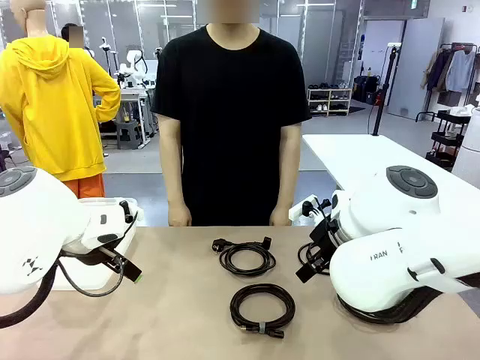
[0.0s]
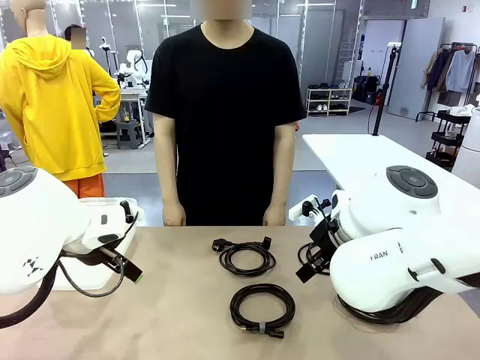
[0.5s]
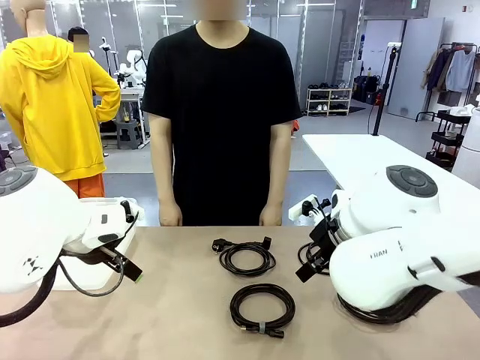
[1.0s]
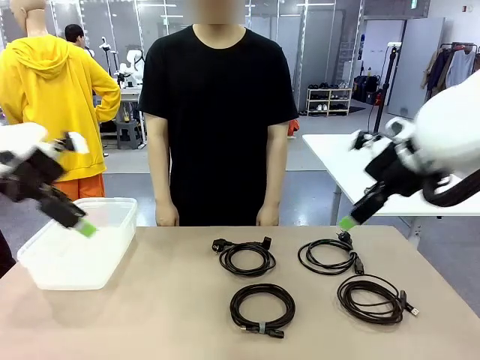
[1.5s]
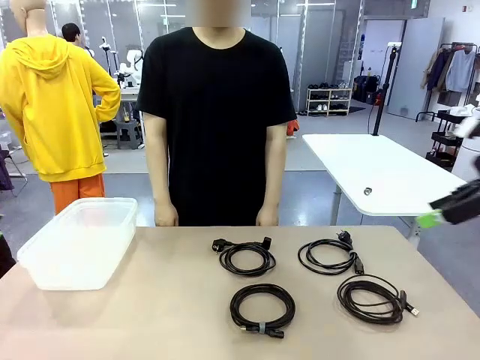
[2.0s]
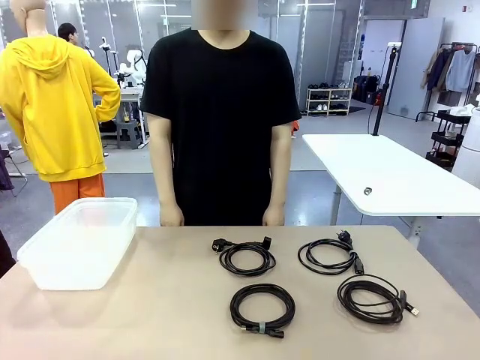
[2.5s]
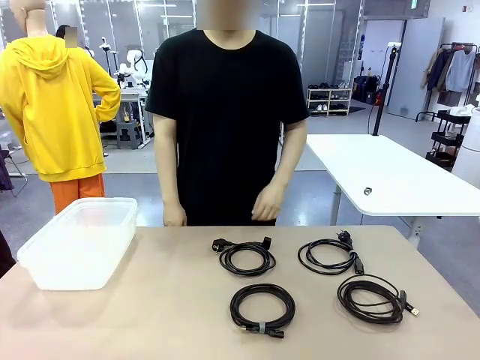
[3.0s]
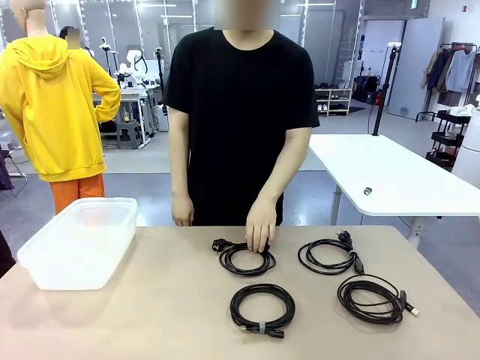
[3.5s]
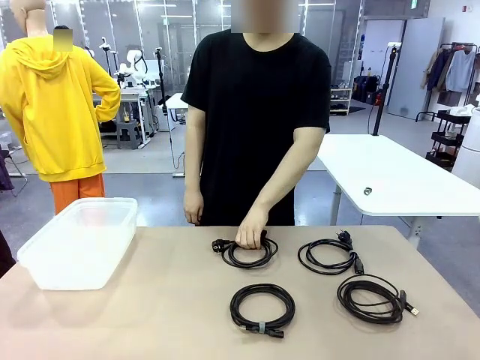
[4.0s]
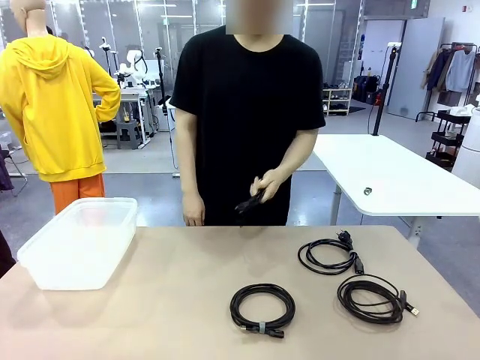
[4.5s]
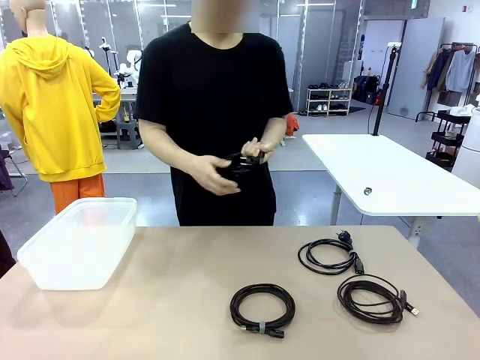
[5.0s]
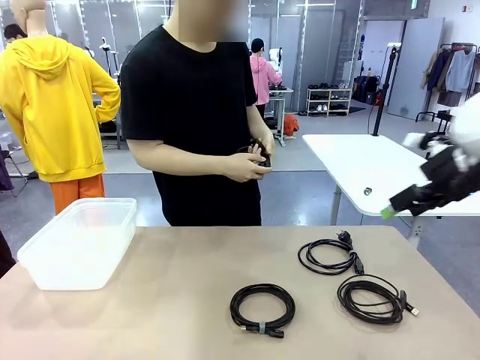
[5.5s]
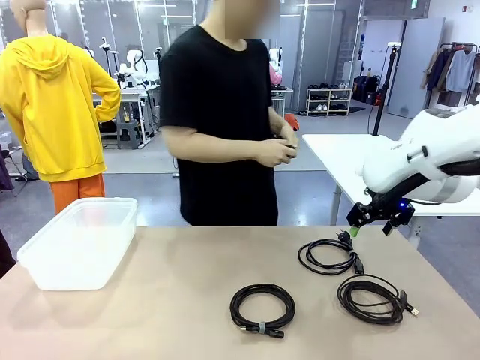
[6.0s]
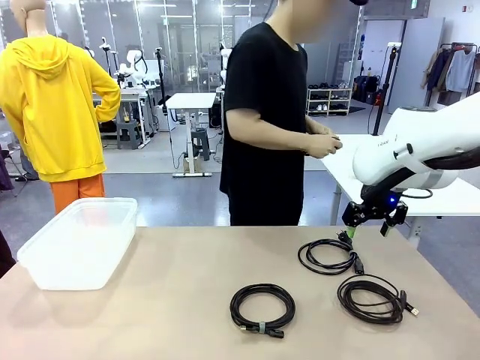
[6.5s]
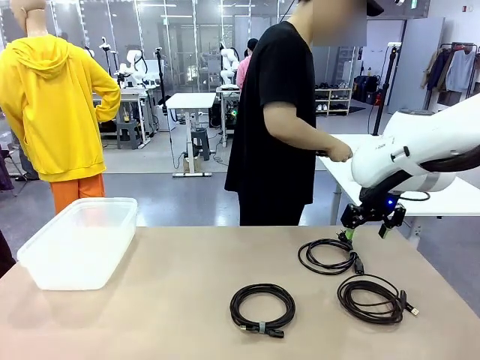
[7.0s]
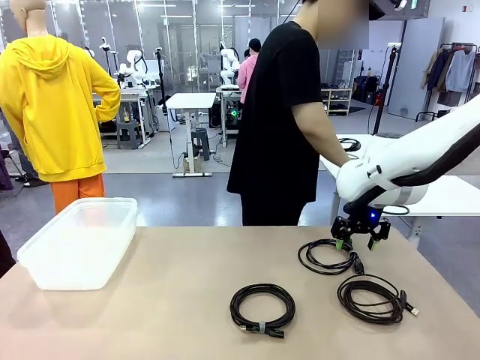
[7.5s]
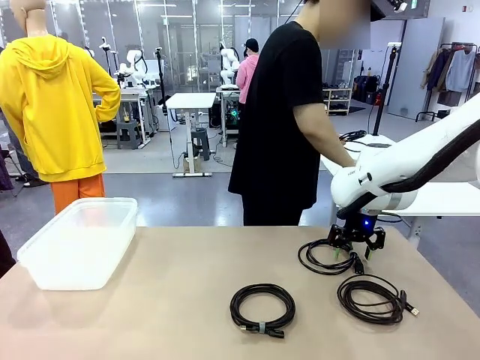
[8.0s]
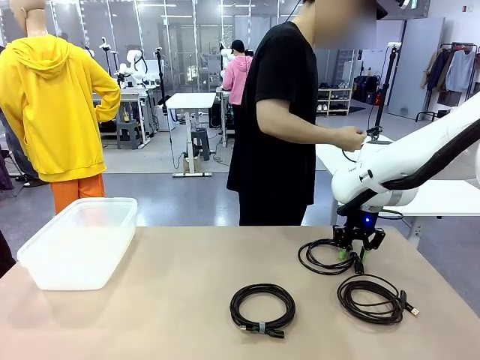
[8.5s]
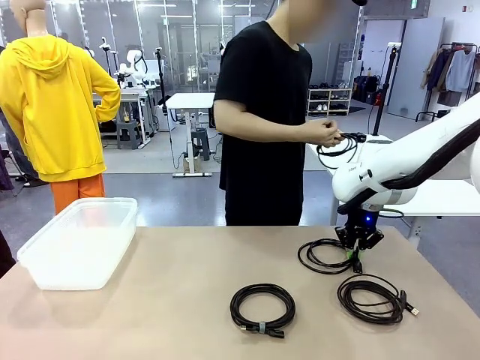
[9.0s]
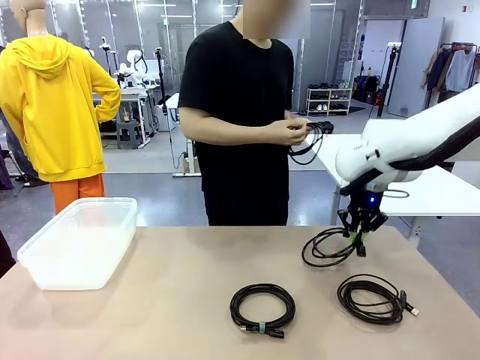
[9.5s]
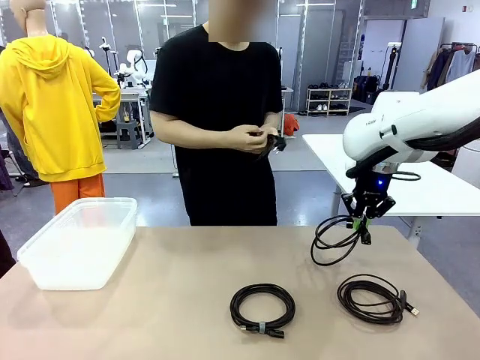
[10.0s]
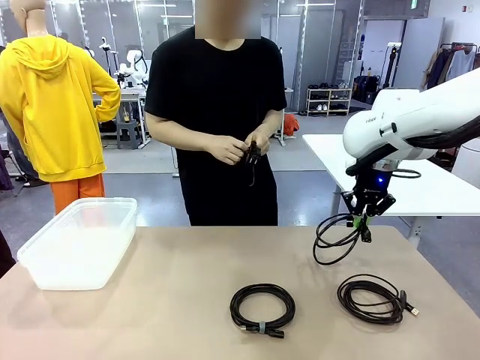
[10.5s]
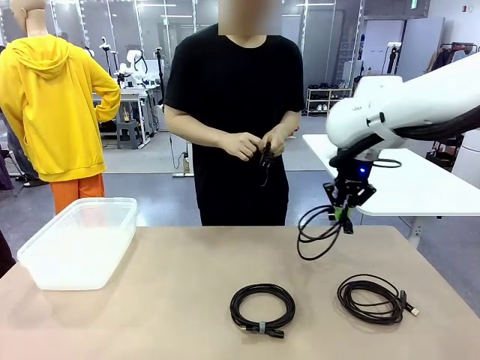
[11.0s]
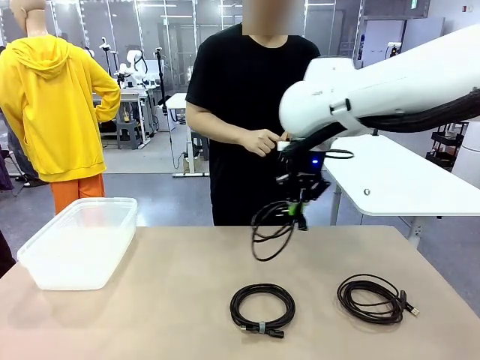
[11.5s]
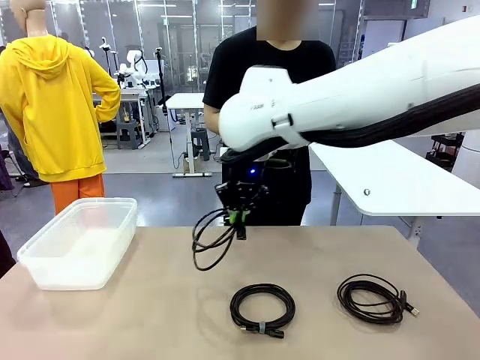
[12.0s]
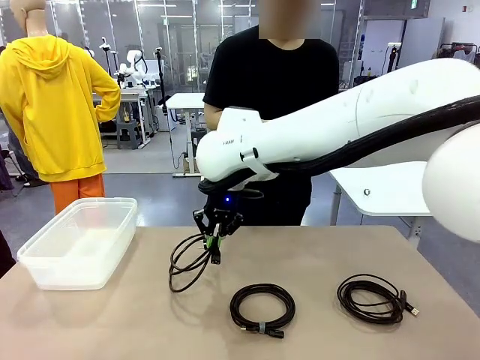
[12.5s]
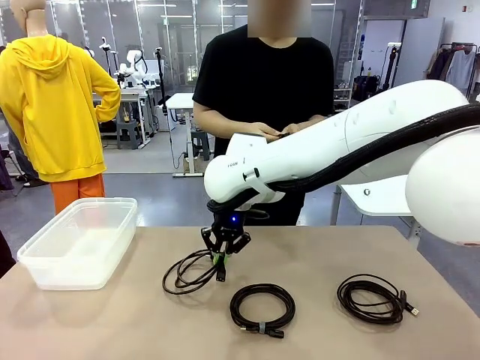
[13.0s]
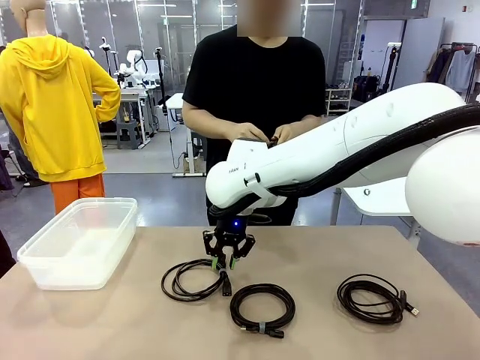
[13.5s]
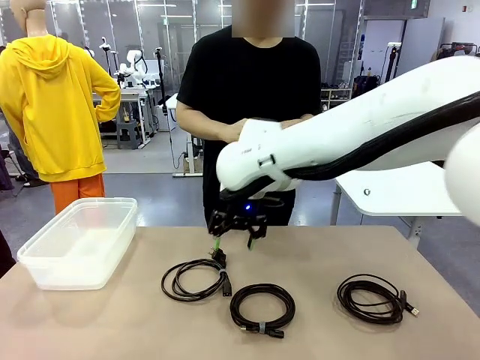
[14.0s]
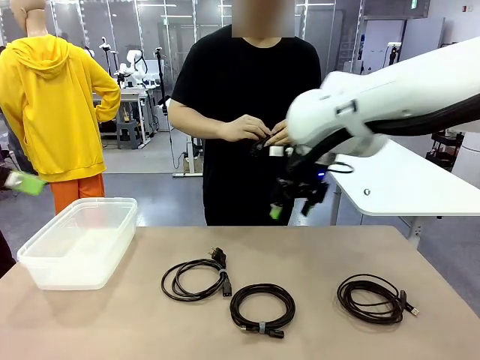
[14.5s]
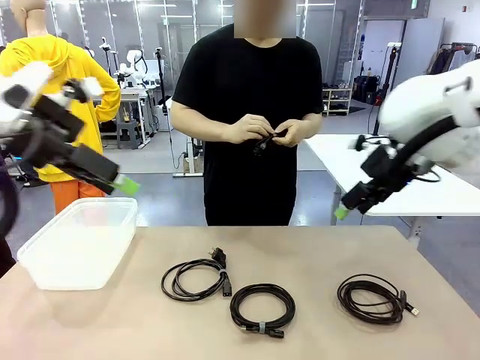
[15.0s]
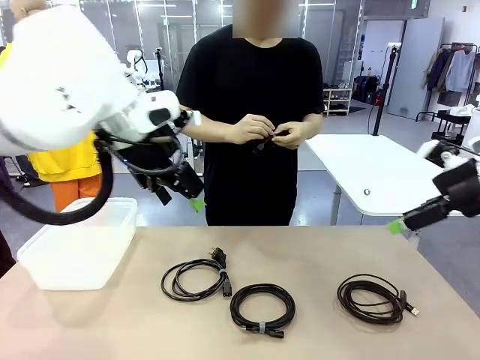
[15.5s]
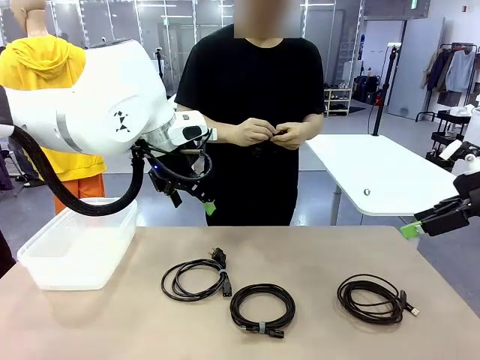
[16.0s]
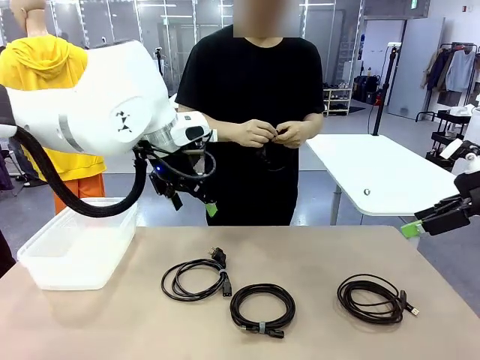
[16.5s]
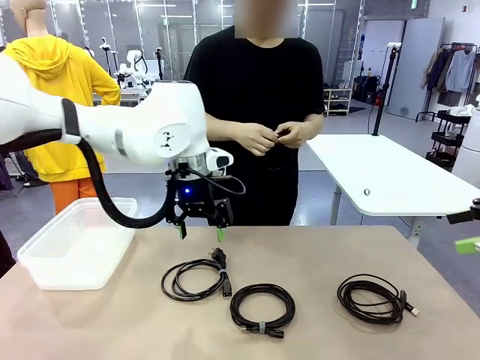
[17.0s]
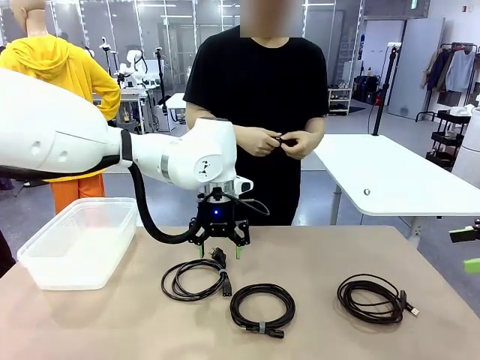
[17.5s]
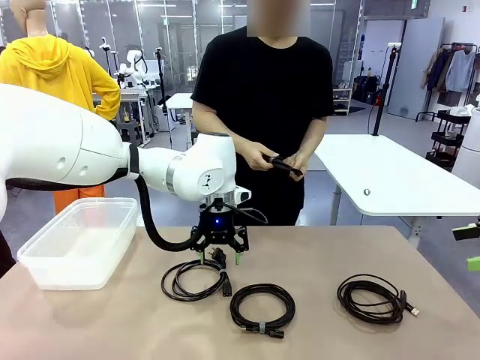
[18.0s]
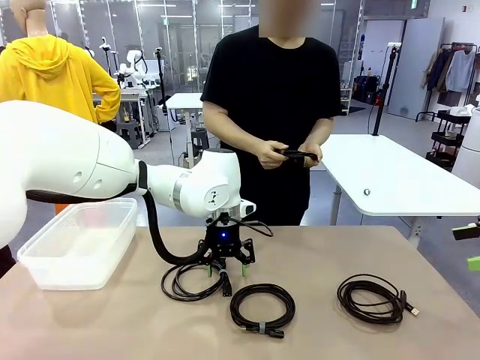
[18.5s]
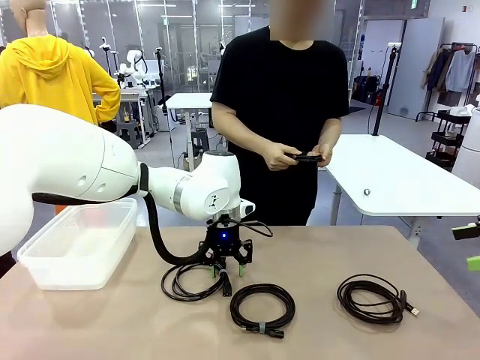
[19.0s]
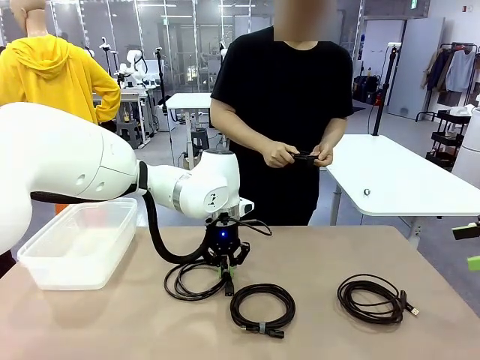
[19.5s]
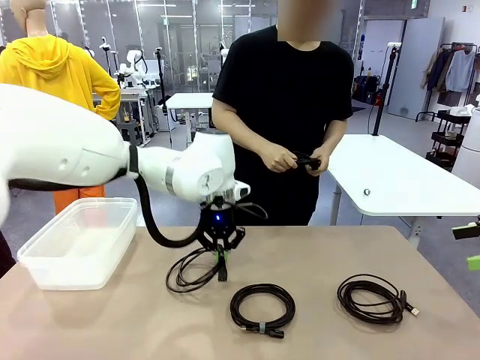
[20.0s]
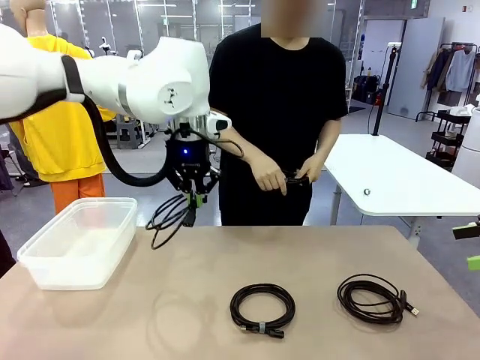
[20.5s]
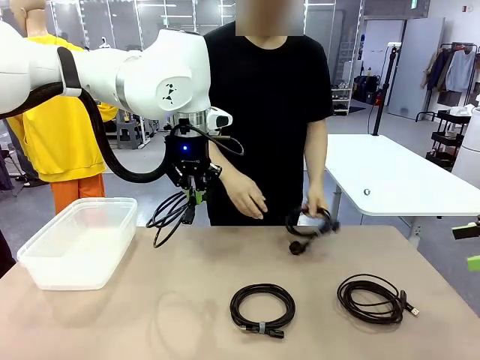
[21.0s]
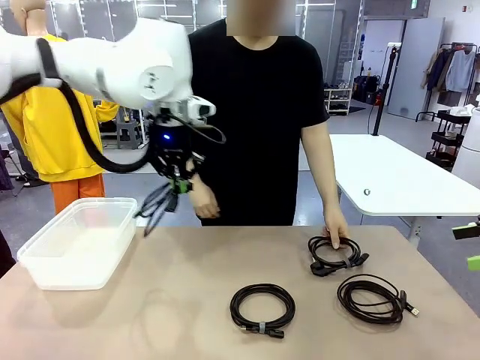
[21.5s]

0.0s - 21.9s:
Task: Organize and store the cables.
Robot: Place the Power Cable into the Organizing box.
Person: Tie one Power Cable with a Reusable Cable Tie.

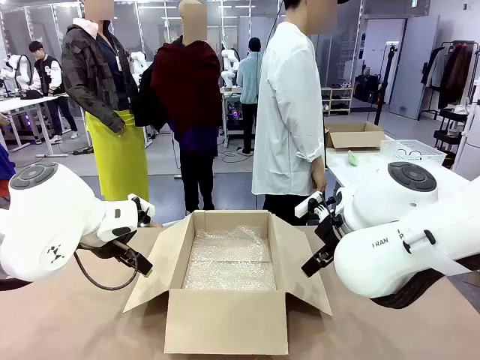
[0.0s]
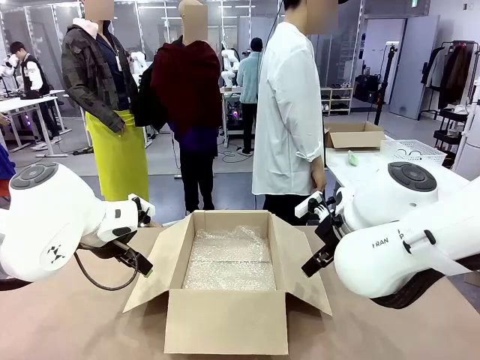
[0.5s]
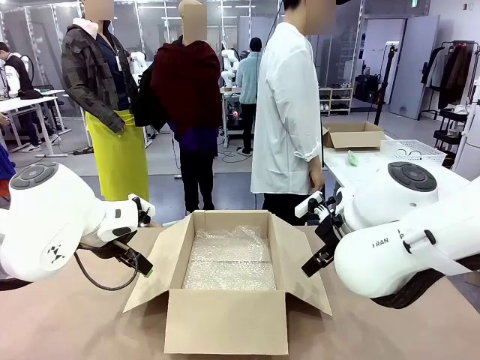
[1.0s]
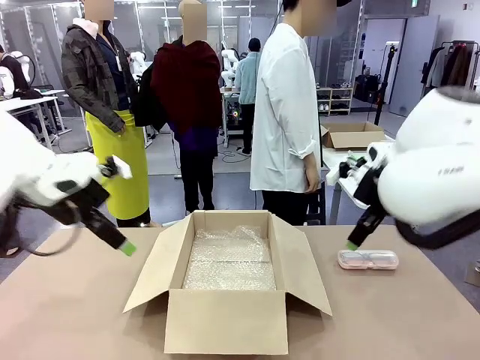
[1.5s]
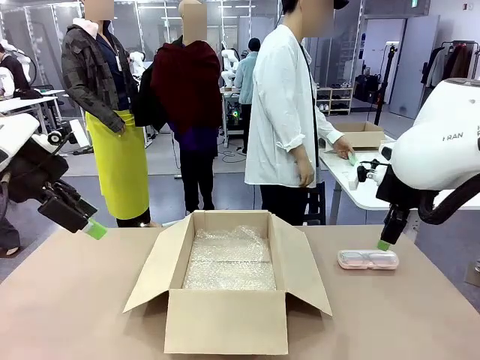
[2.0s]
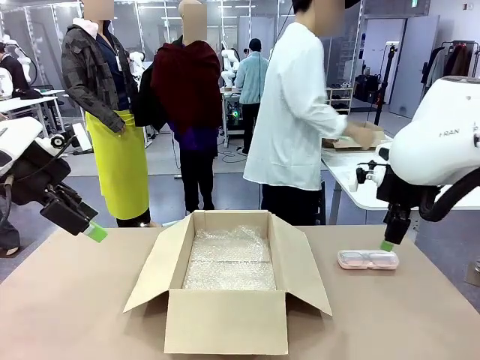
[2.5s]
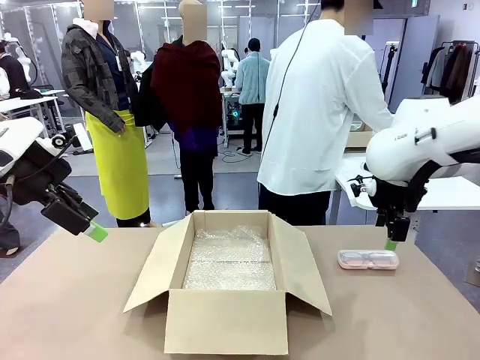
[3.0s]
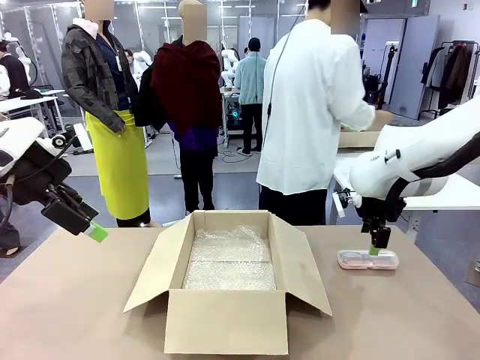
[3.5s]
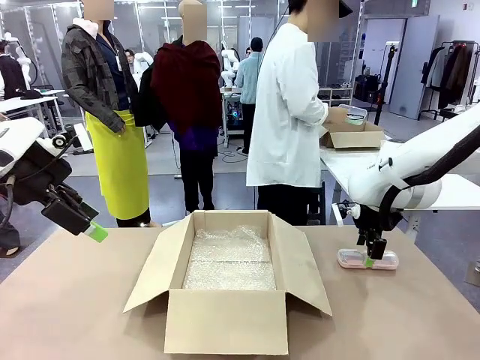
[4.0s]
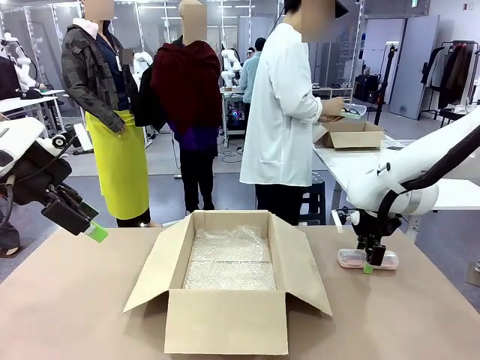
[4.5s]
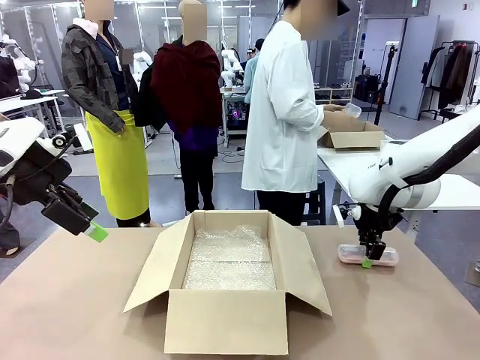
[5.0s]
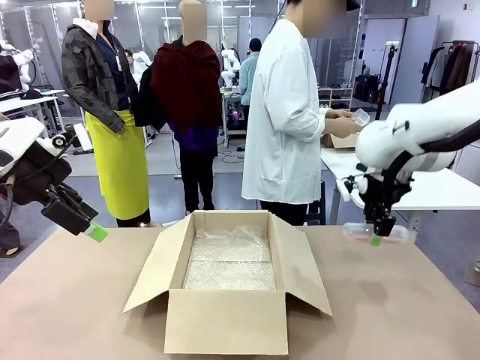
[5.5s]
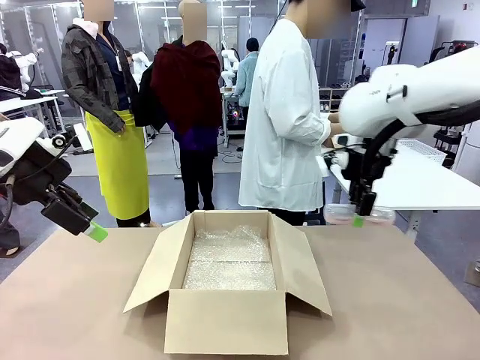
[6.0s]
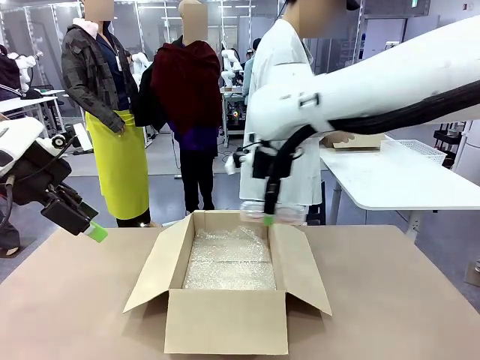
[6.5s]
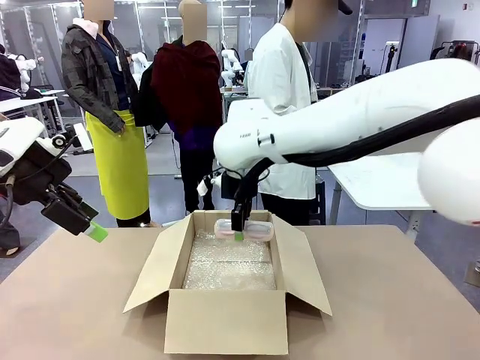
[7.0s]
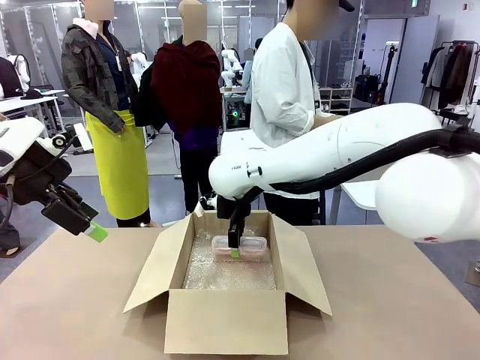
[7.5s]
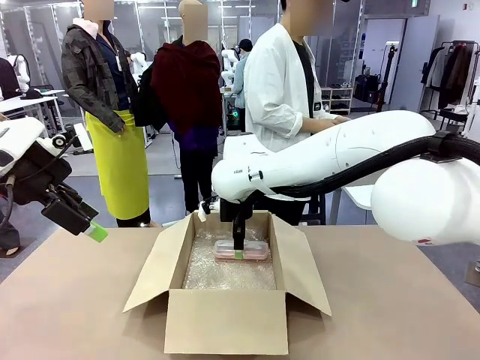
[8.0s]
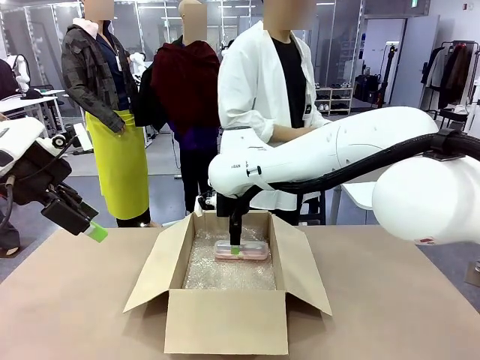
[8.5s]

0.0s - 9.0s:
Task: Pack the glasses set securely to prepare it for shipping.
Robot: Place the Glasses case inside the Package Box.
Person: Place the Glasses inside the Glasses case.
